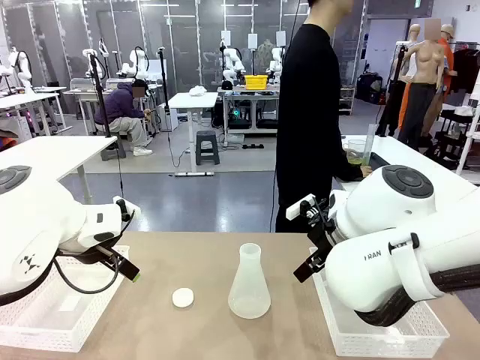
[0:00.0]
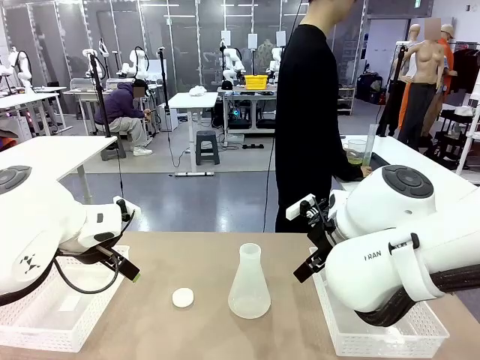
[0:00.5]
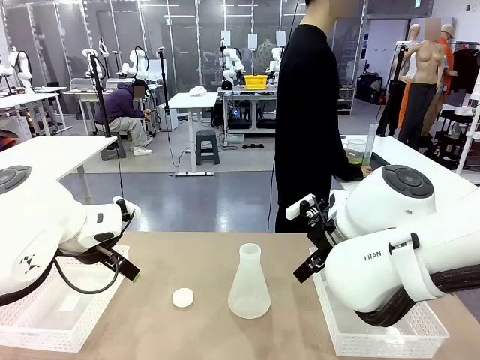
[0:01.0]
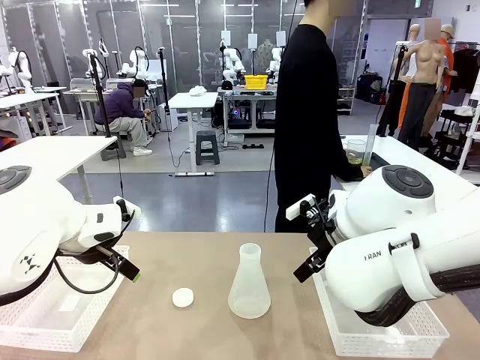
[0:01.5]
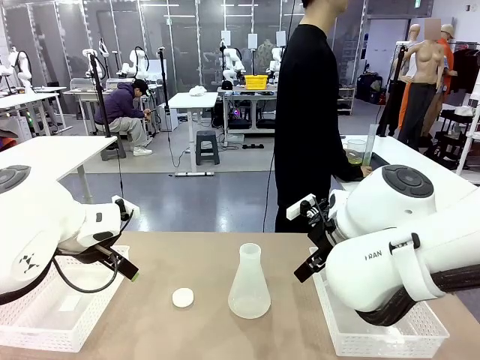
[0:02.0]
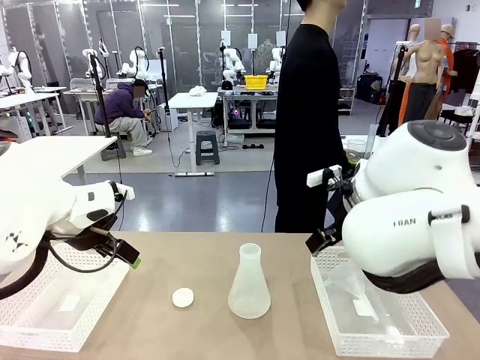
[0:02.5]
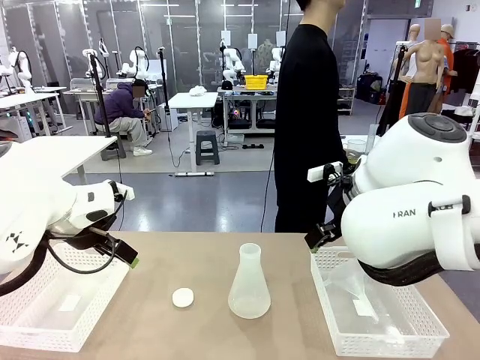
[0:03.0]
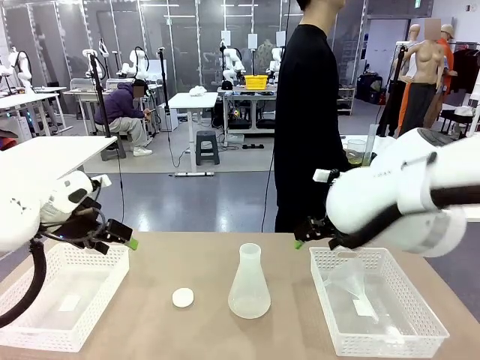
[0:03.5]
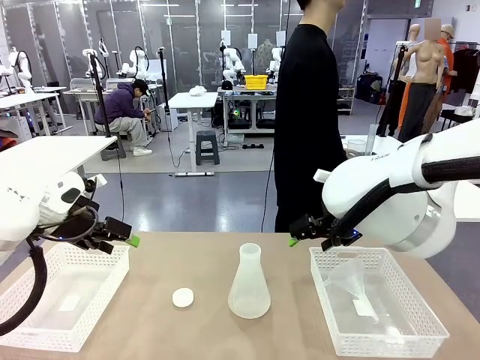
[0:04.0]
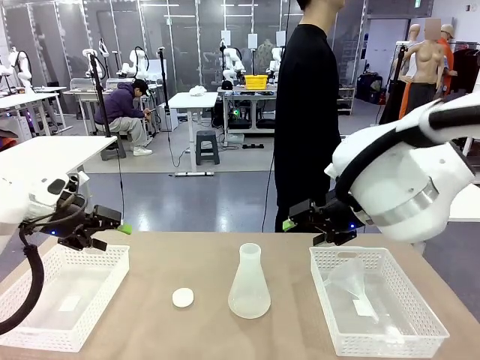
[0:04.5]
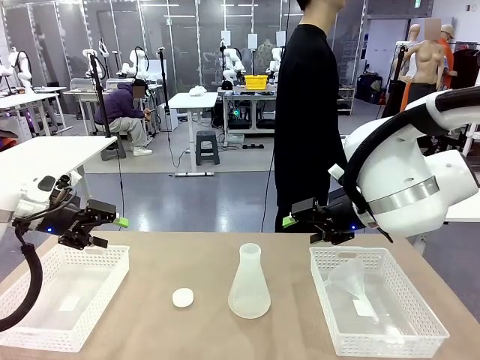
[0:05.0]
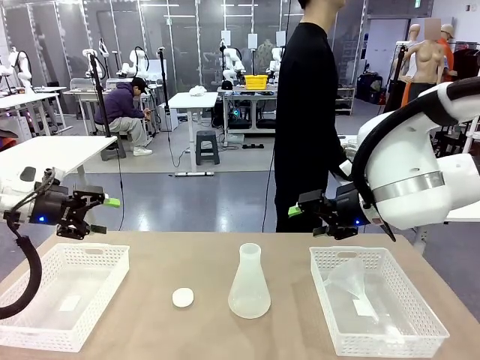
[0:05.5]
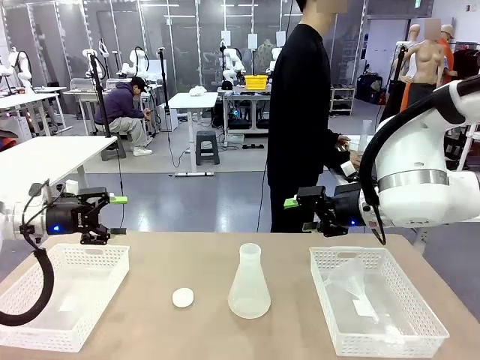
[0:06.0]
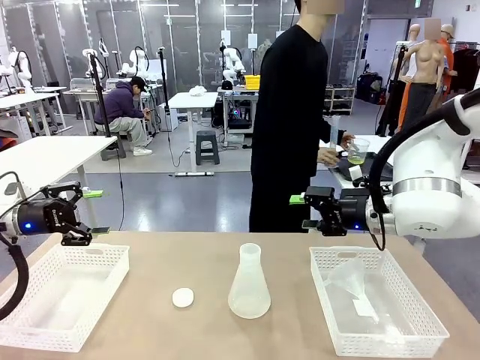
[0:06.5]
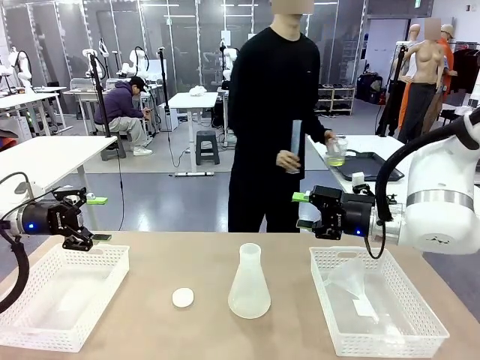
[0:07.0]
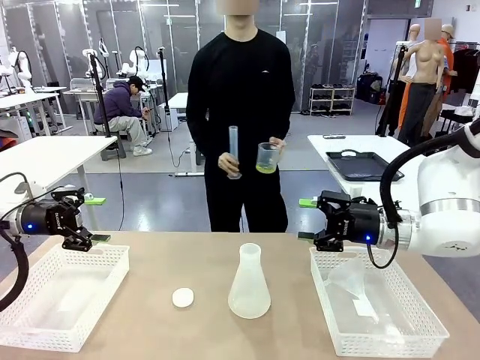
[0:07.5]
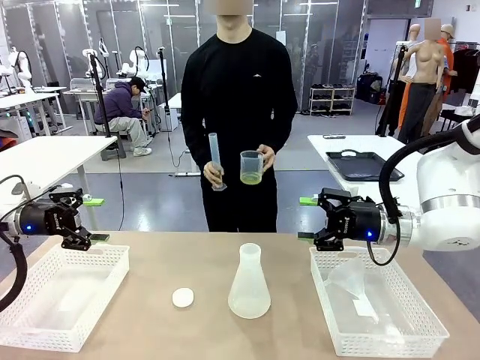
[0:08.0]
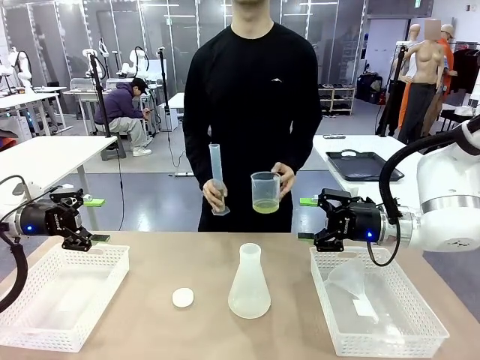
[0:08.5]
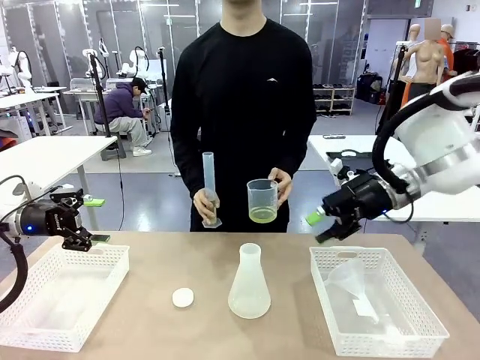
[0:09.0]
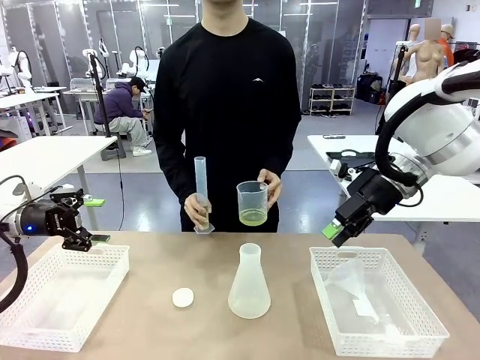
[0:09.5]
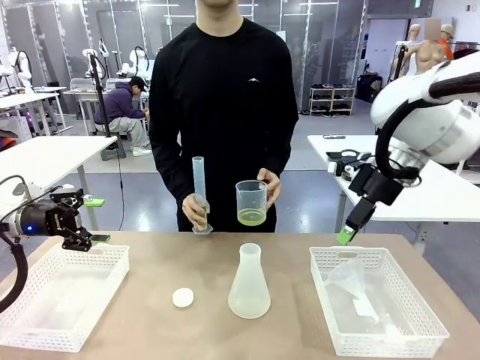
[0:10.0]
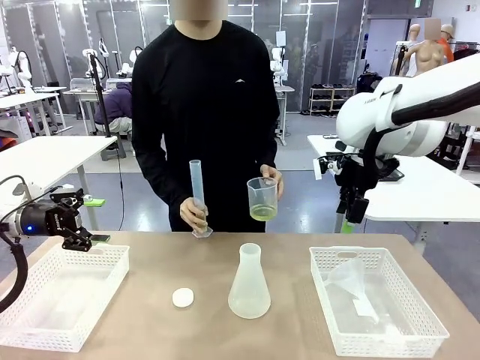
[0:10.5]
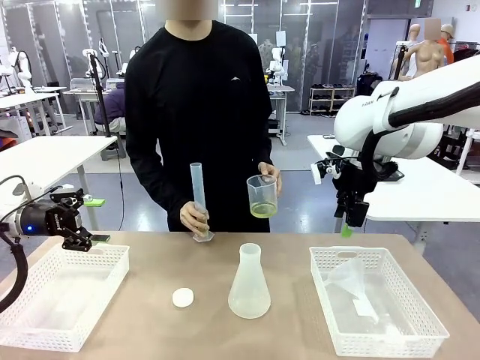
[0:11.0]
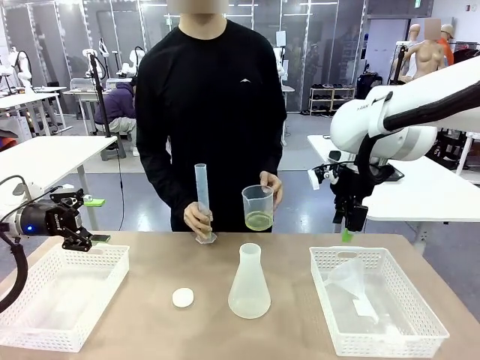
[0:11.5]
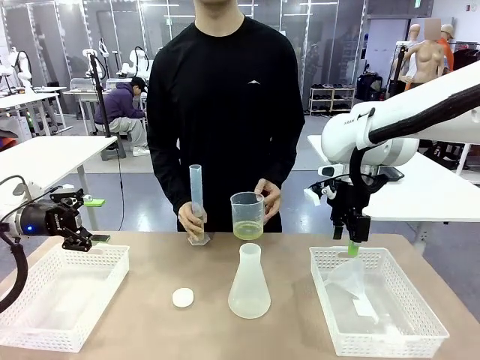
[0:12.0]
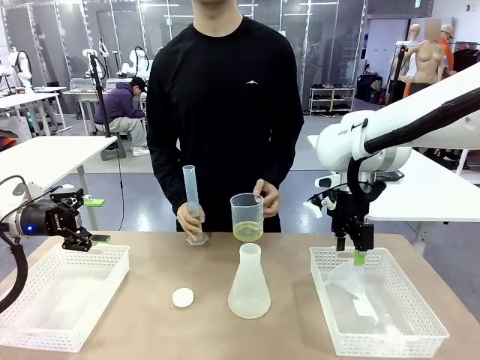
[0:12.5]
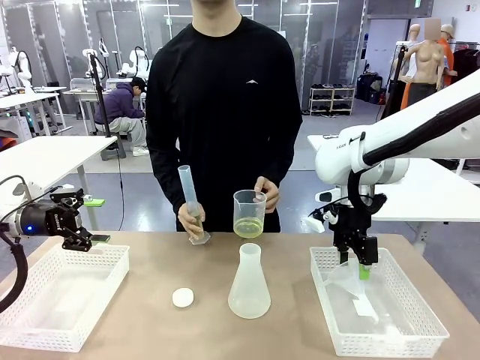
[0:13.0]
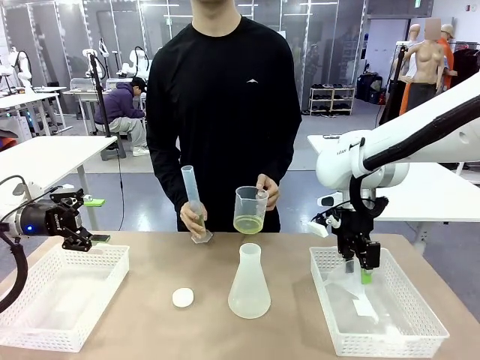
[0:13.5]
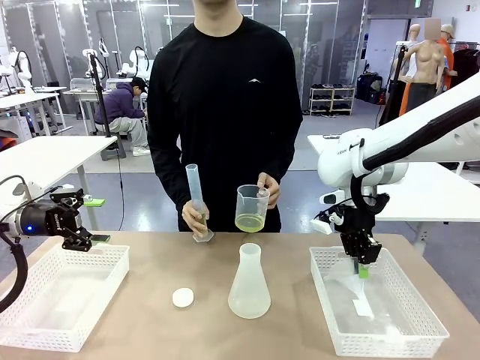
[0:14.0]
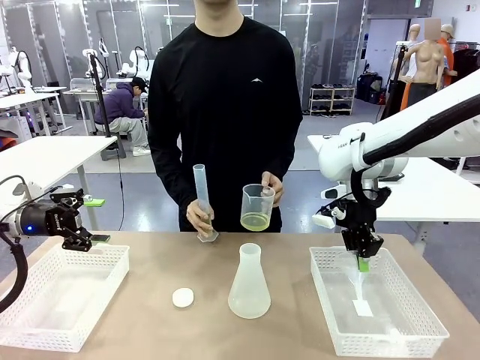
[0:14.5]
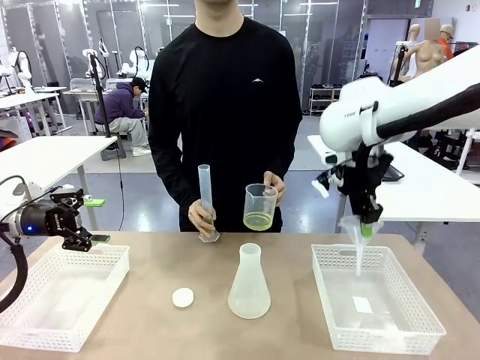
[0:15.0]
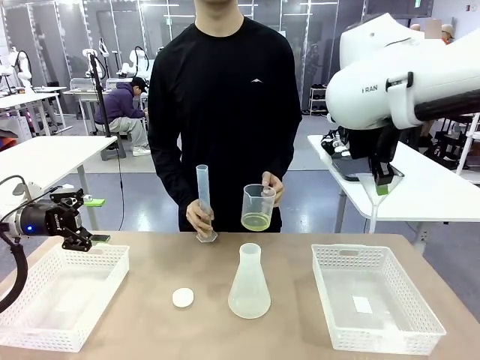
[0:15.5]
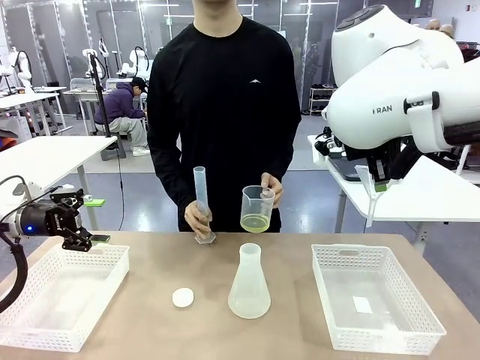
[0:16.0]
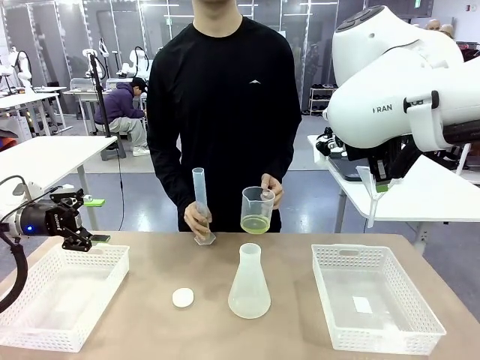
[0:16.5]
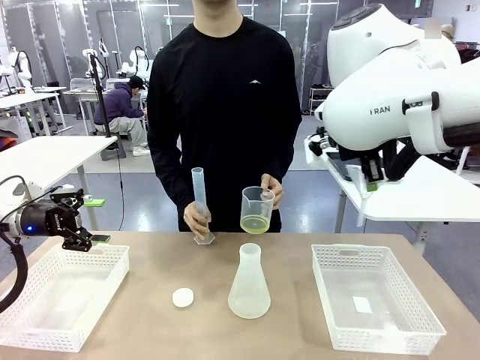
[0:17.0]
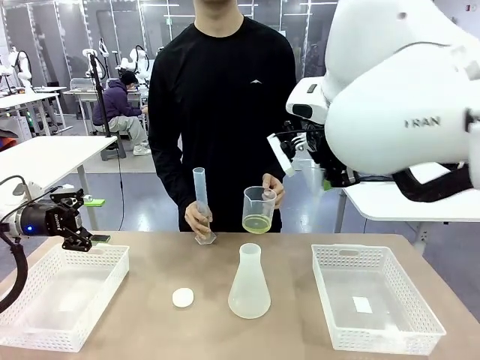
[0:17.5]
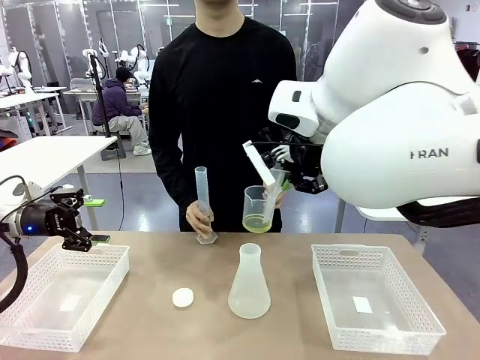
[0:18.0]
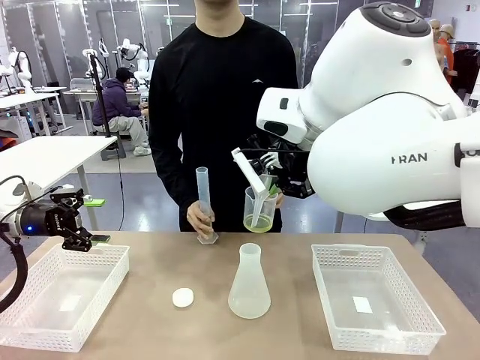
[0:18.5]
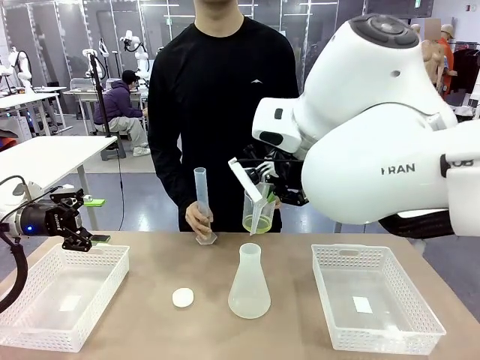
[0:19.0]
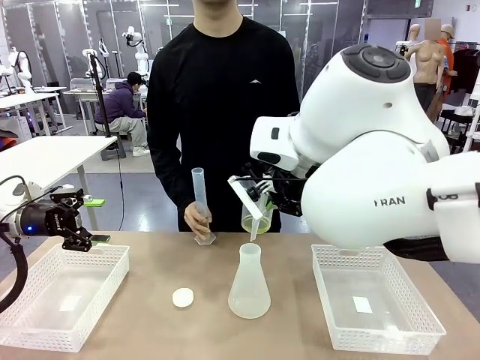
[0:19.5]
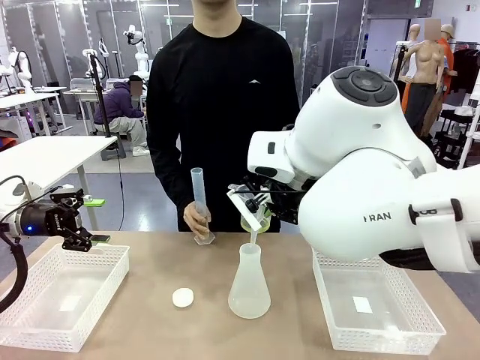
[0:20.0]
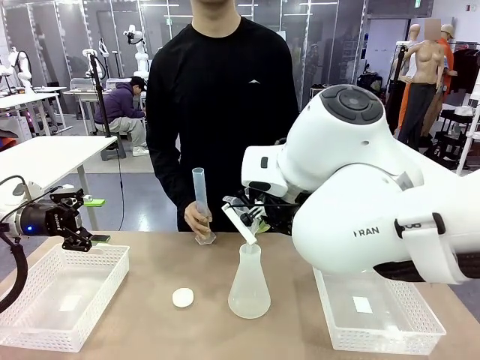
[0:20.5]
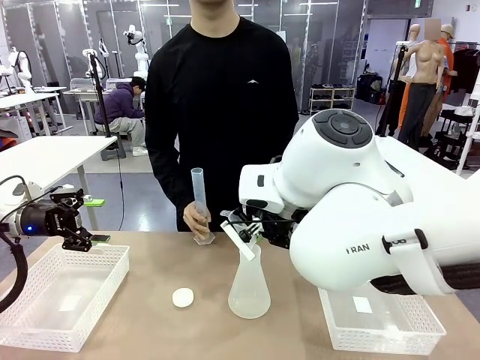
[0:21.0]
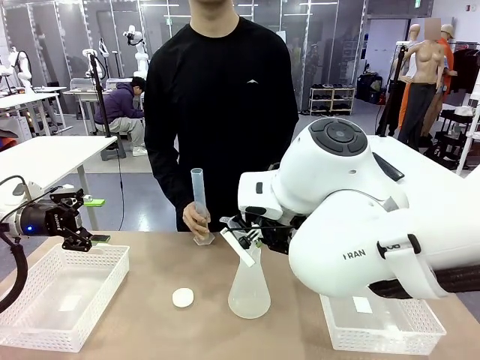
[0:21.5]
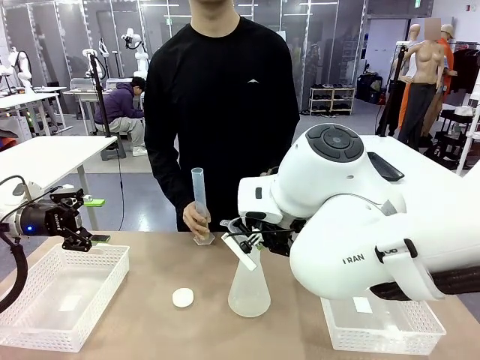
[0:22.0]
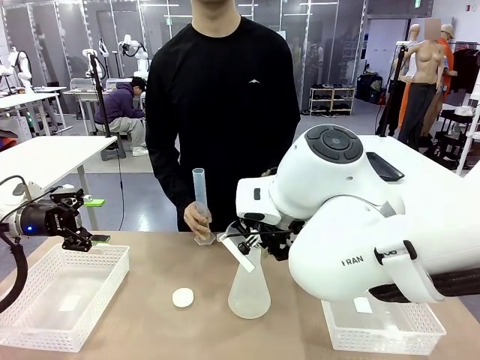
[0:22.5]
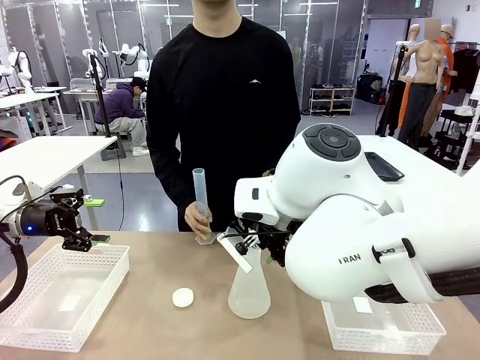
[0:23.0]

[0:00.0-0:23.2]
Task: Prepare the solutions needed for the experiment.
Robot: Pick up the Plastic Funnel and insert it into the Big flask.
Person: Pick up the beaker and the cylinder and move to the middle of the robot table. Pour the solution from the beaker and the cylinder into the flask.
